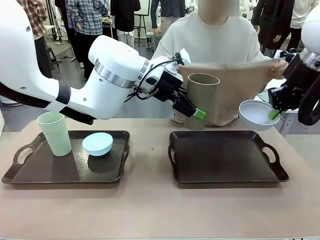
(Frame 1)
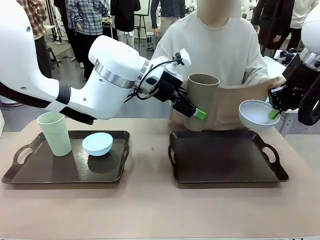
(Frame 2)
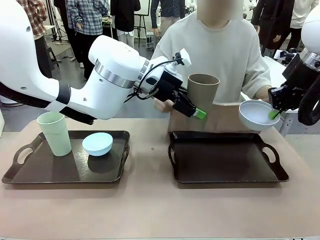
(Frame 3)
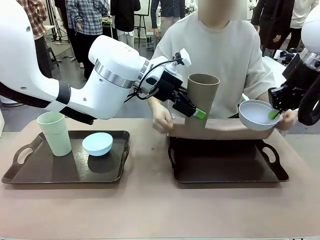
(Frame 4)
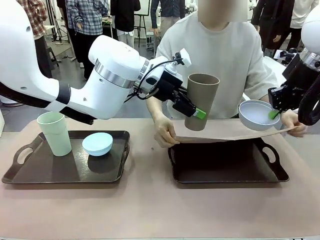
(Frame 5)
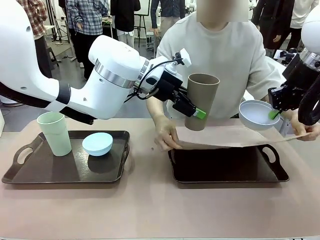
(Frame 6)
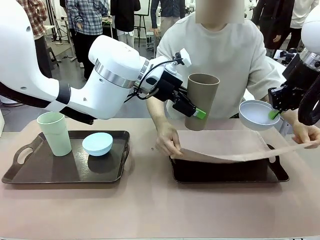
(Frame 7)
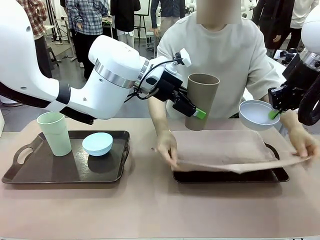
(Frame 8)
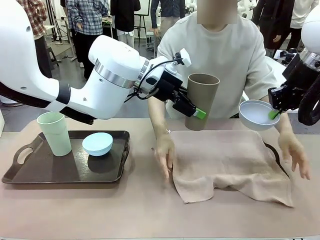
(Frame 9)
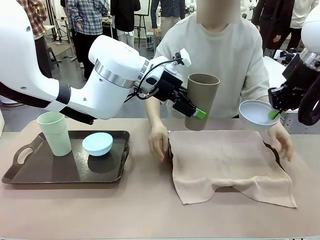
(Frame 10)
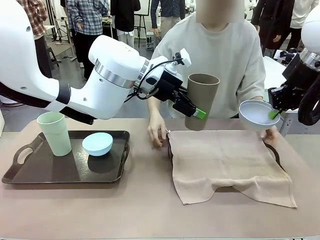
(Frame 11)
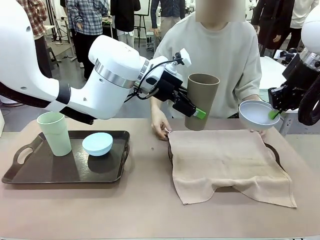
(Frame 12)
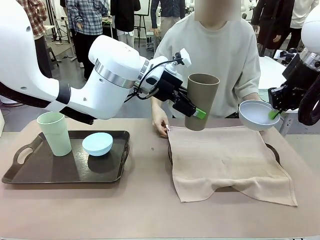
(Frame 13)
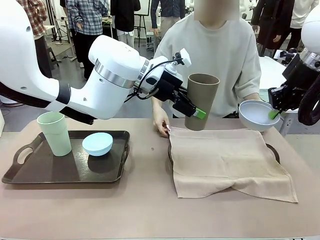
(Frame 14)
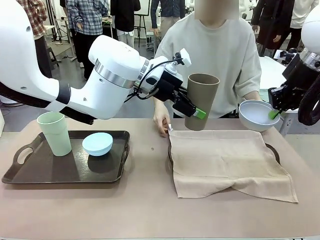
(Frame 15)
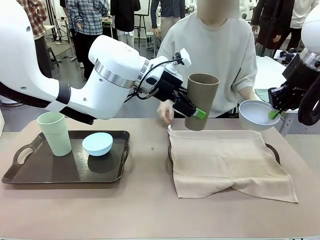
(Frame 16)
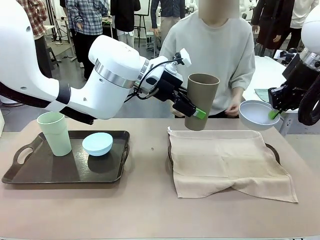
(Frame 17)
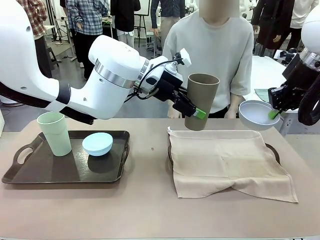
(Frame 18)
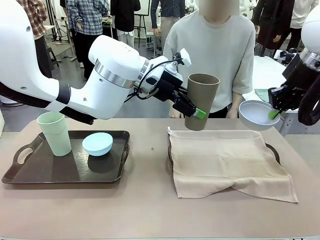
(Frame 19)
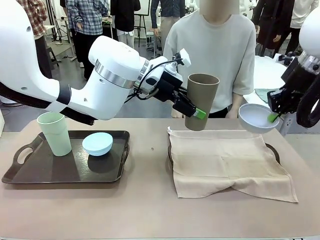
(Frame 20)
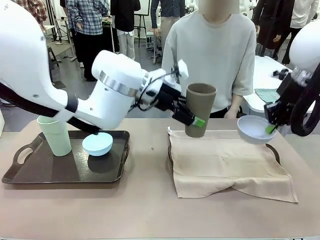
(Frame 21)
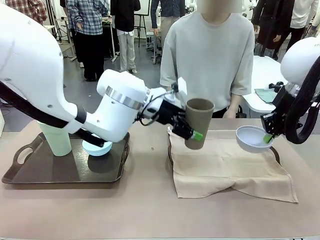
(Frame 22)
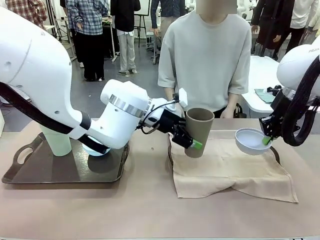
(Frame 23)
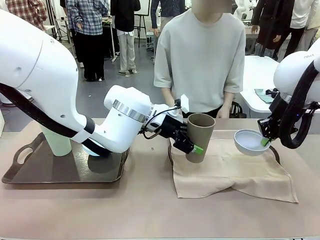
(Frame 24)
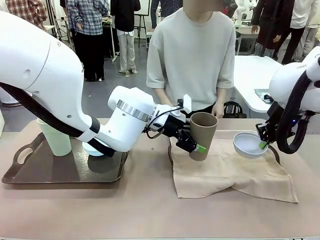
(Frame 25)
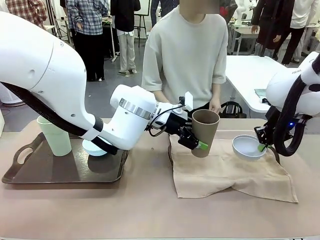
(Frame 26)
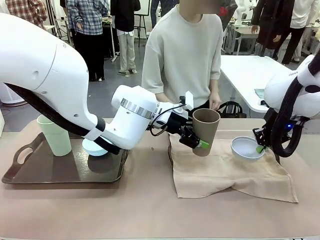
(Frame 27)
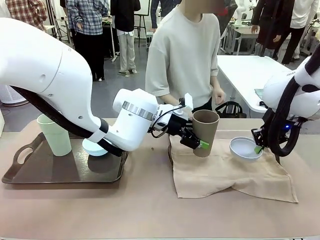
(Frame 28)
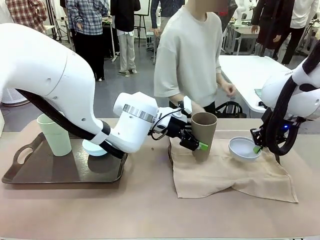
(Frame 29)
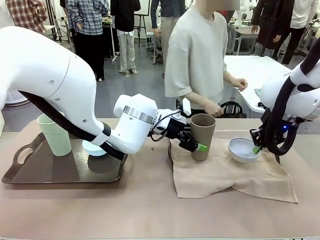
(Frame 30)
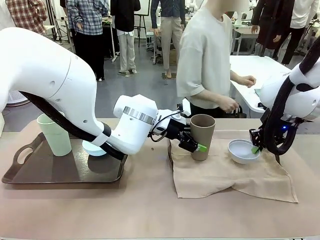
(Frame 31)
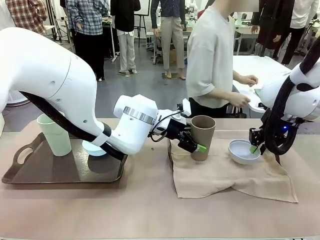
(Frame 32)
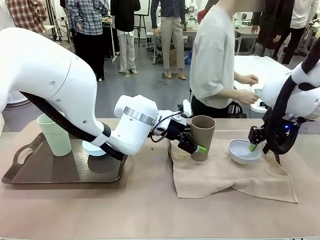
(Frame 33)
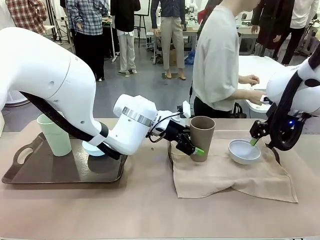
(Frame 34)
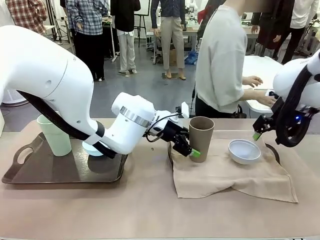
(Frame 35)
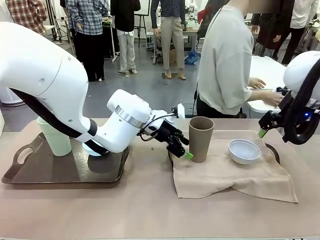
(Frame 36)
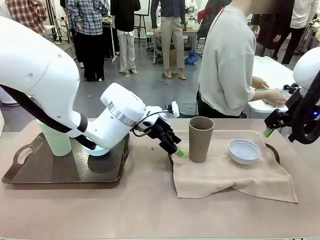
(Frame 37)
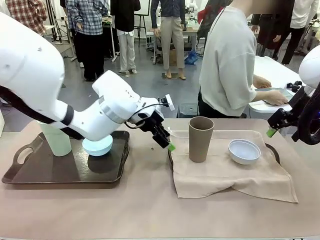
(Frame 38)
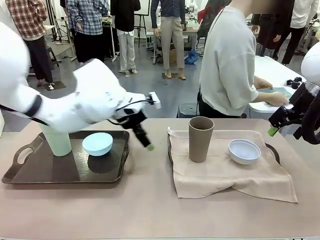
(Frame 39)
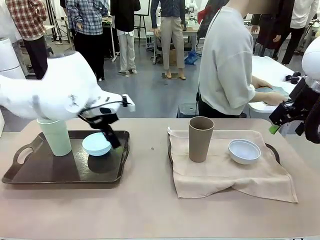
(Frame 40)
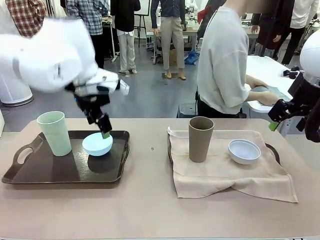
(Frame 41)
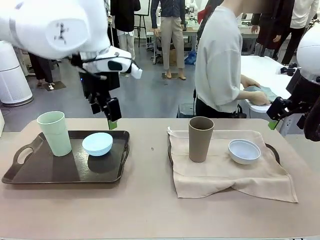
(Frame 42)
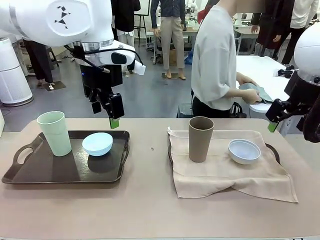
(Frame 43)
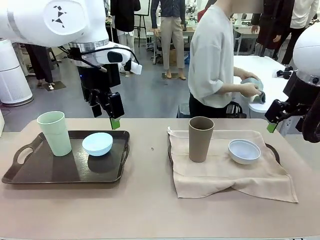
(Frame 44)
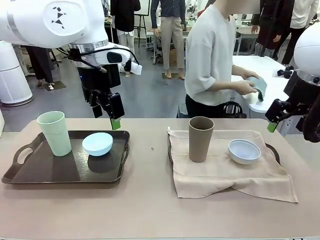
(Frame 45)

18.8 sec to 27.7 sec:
Robot: Place the Picnic Bowl and Reusable plastic cup back onto the Handle tray in front of the human's position.
Person: The human returns to the human table to pick up another napkin and walks to the robot table to stand in front of the tray without a napkin.
